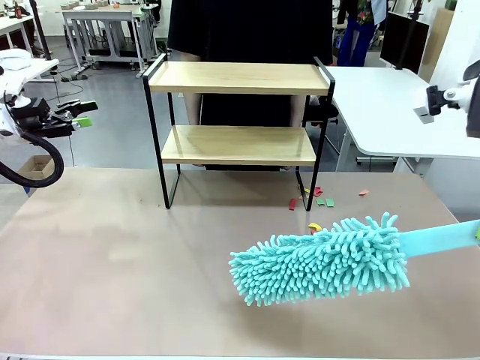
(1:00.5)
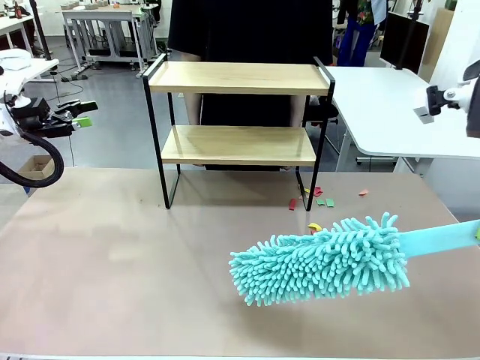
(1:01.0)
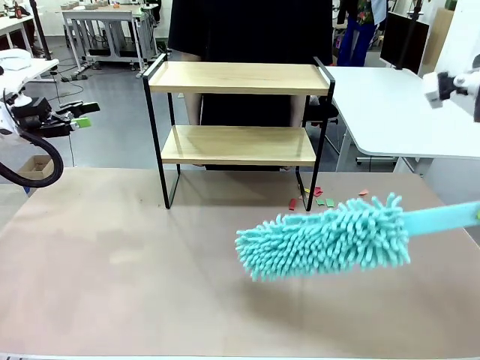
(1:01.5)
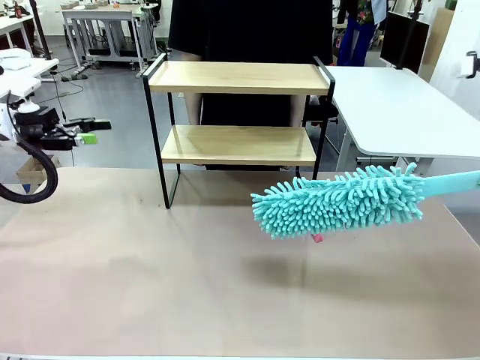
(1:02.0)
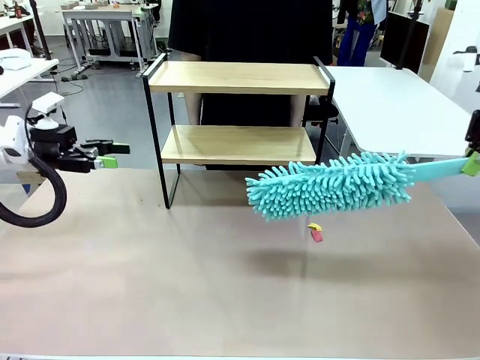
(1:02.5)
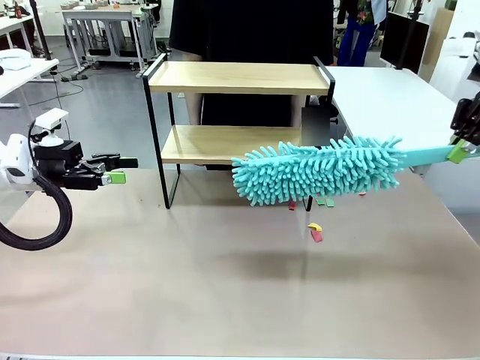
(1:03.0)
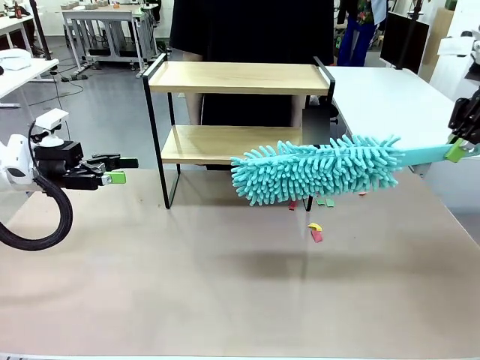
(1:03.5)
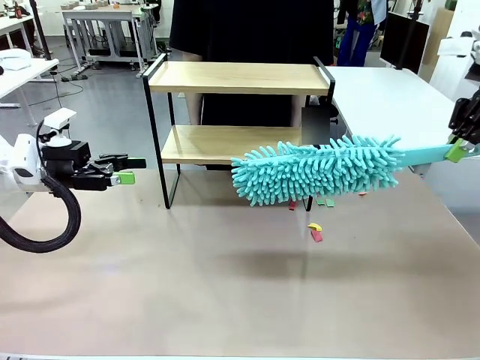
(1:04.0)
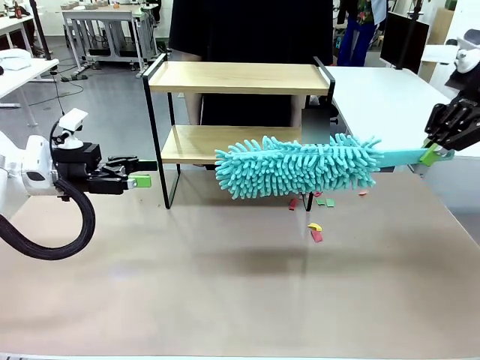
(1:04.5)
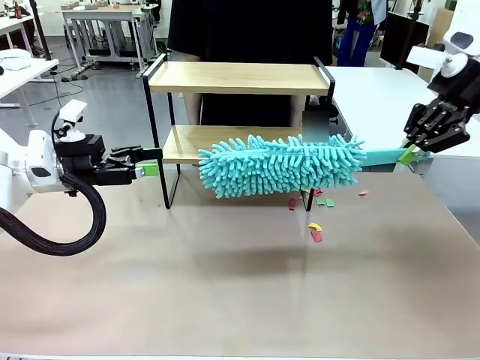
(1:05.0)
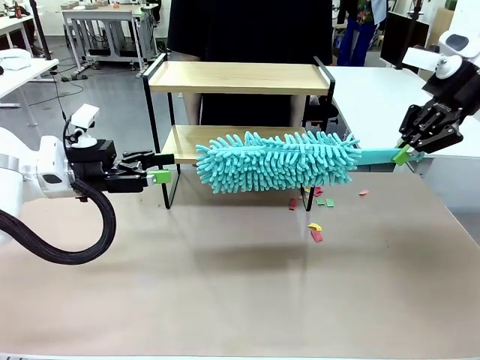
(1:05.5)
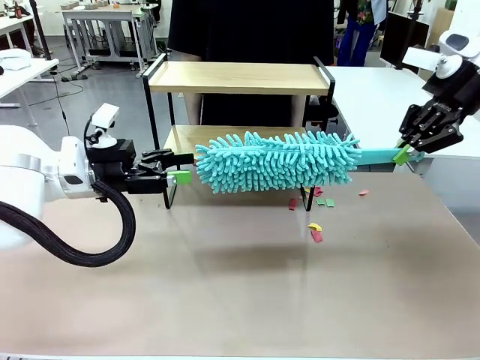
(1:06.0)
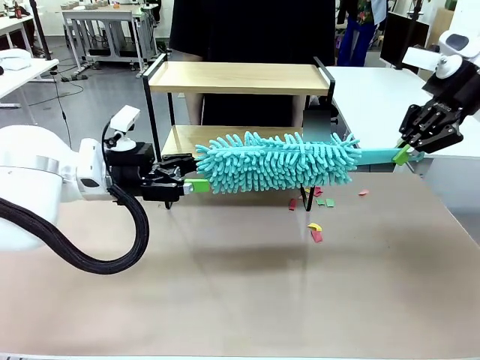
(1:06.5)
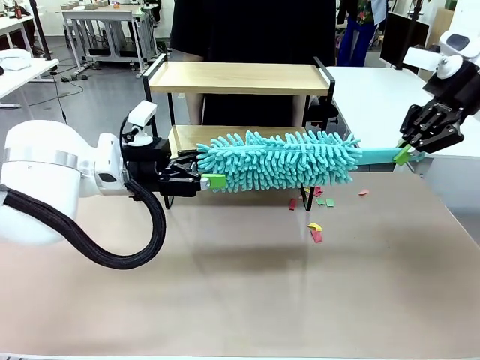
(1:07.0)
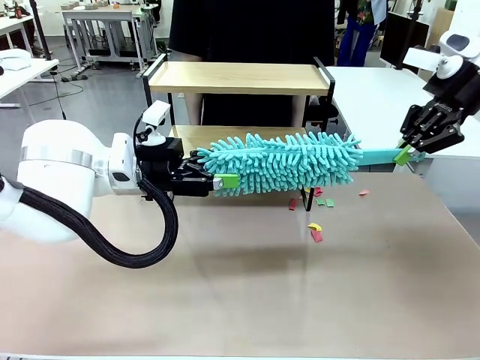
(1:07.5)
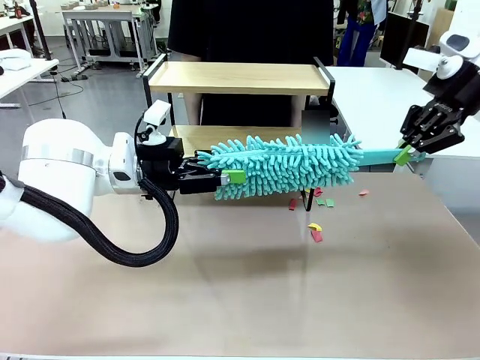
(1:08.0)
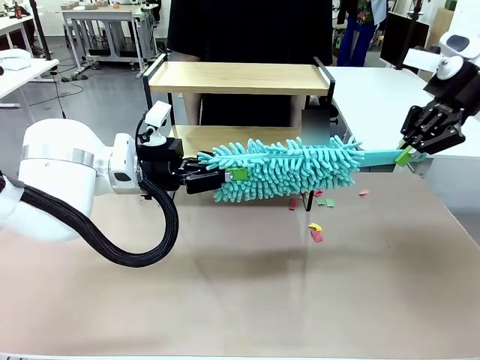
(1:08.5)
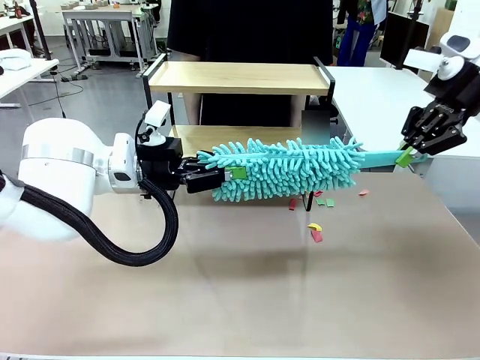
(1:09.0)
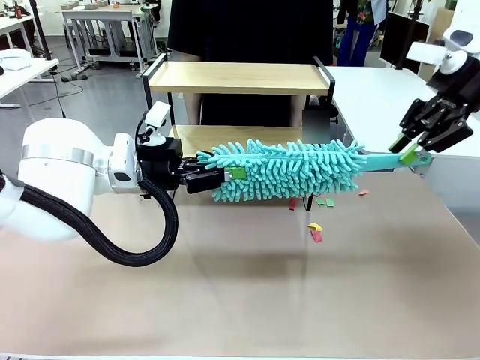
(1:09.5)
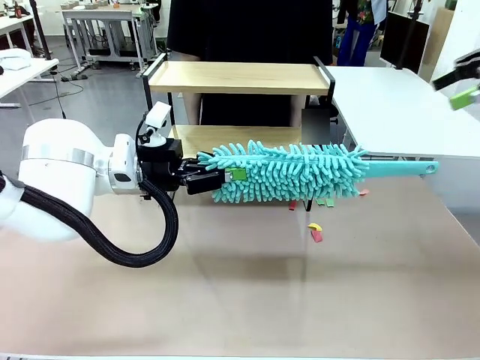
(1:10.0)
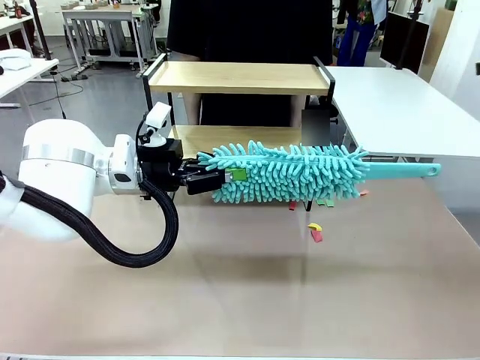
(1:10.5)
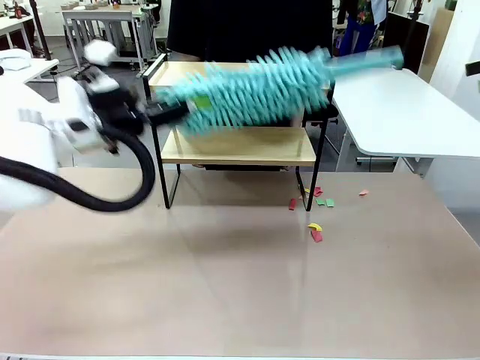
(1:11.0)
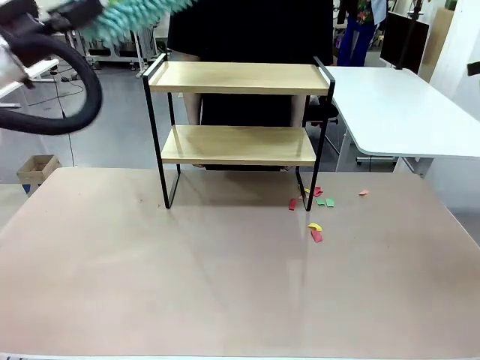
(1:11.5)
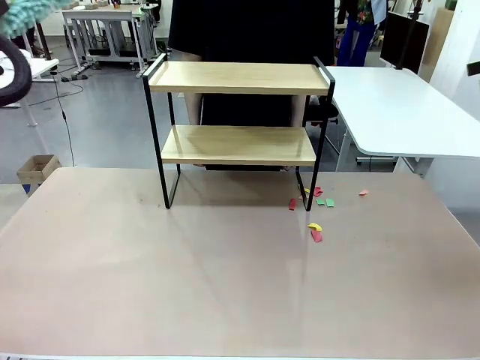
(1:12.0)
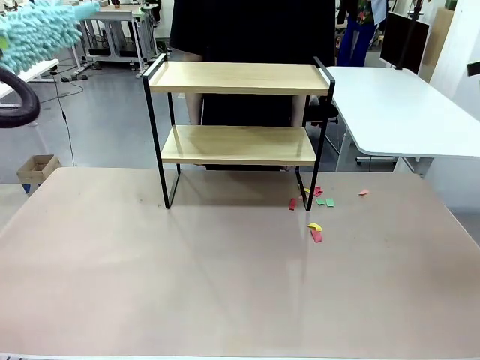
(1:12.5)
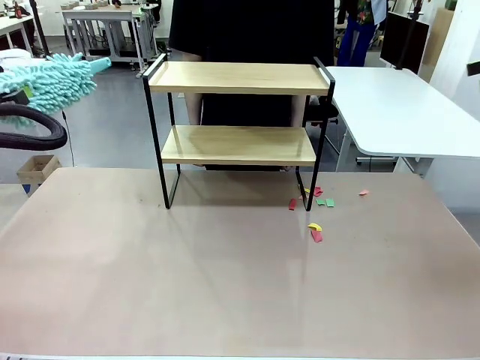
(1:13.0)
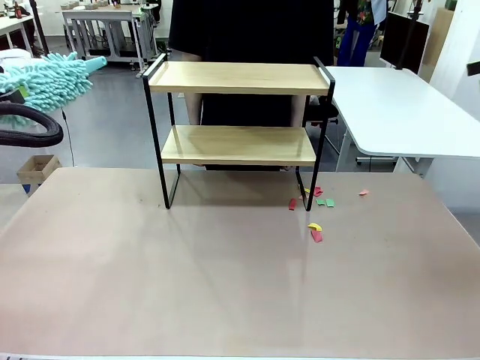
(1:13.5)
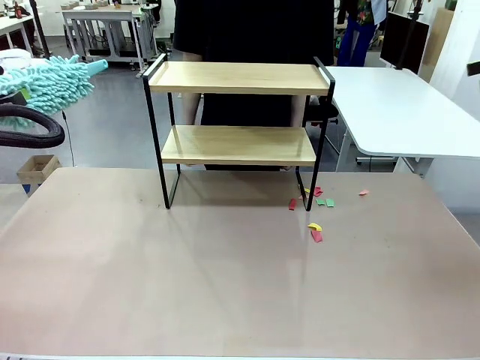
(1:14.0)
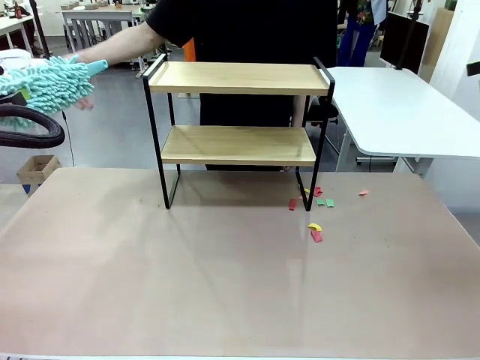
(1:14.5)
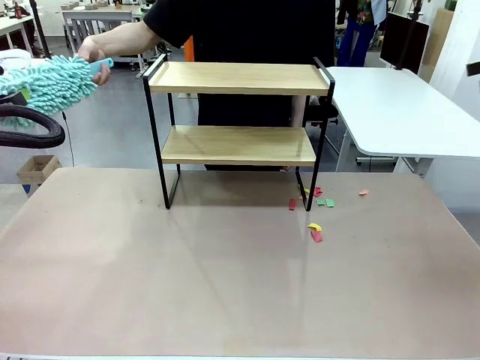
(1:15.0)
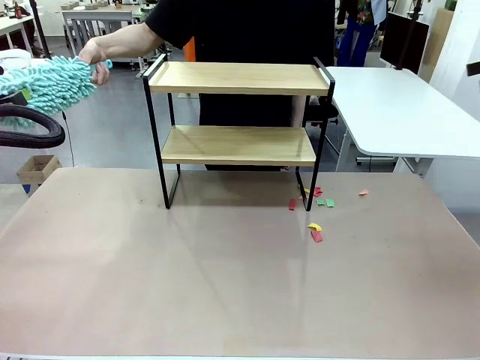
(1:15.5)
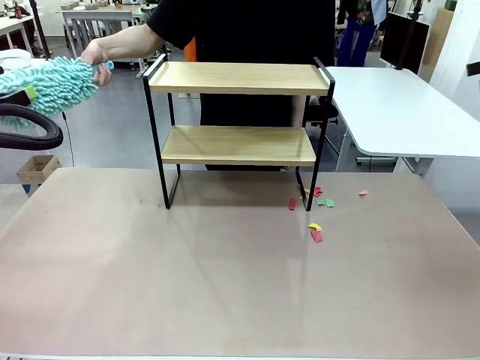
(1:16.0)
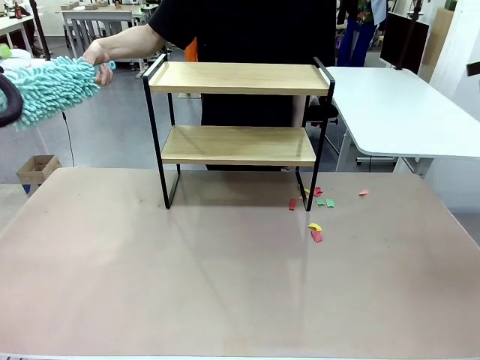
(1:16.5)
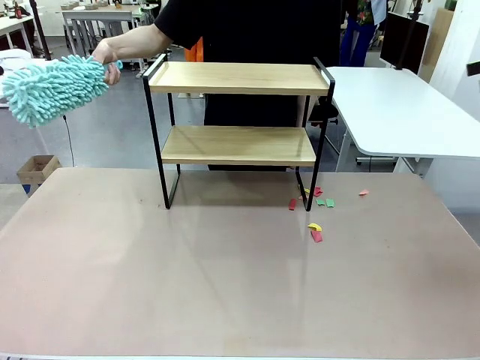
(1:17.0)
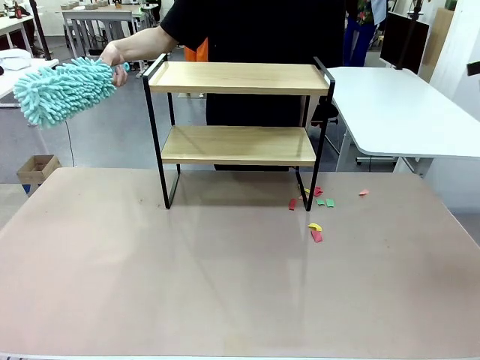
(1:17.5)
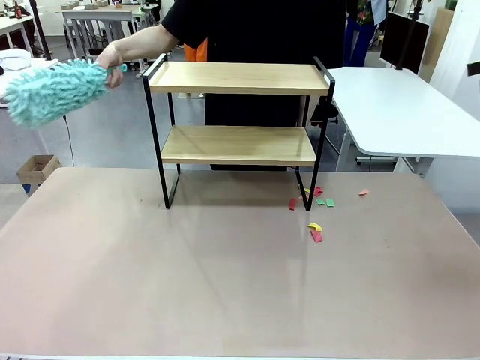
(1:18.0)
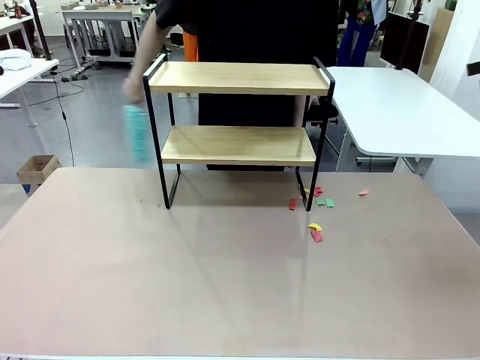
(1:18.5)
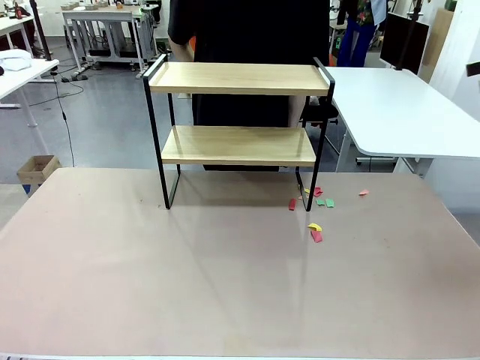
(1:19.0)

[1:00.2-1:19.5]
Task: Clean the shelf.
Robot: Hand the Duster back to the human.
Person: Receive the Duster from the robot.

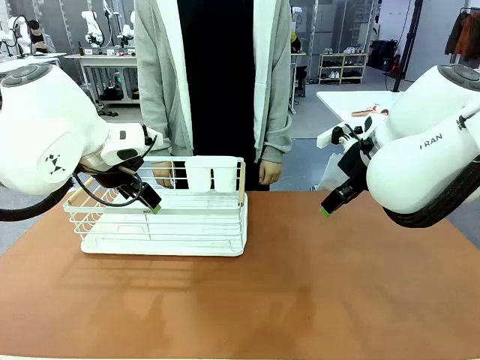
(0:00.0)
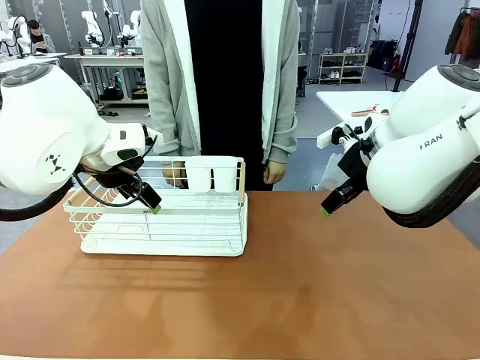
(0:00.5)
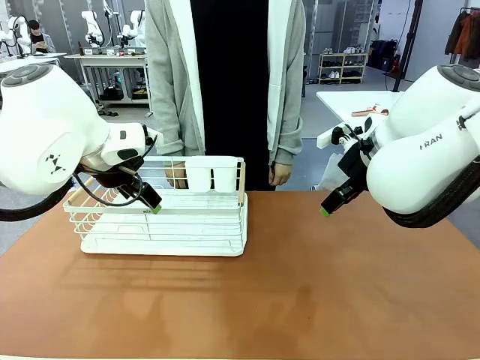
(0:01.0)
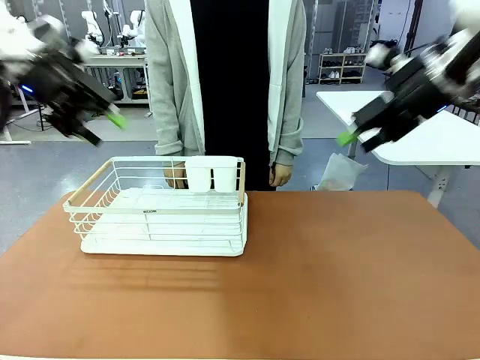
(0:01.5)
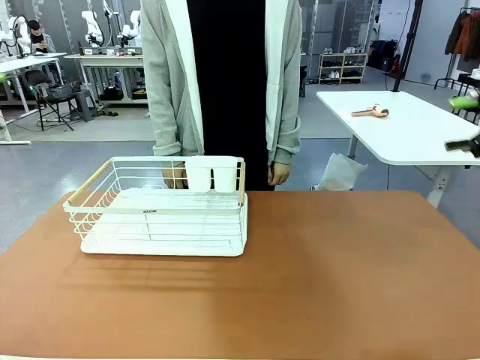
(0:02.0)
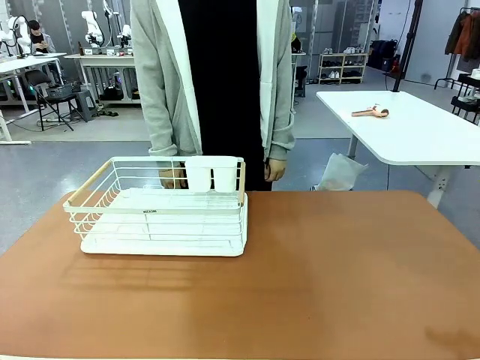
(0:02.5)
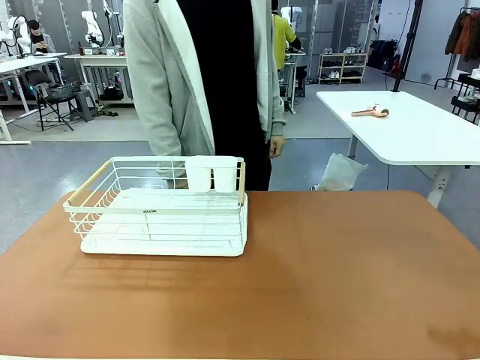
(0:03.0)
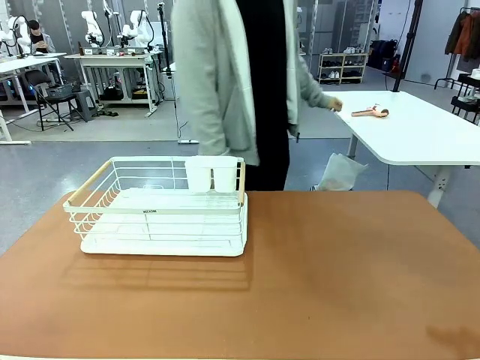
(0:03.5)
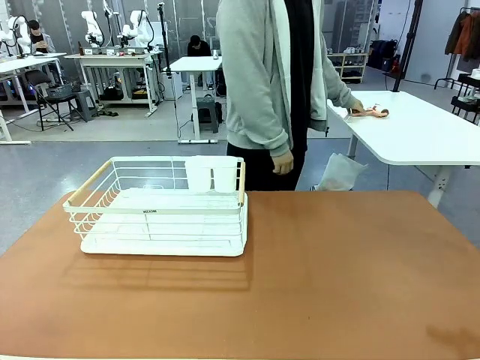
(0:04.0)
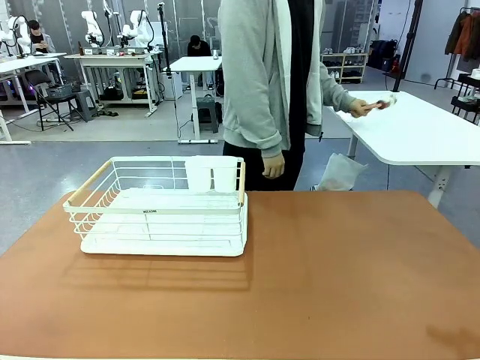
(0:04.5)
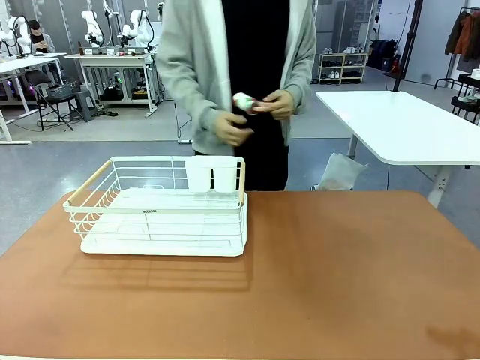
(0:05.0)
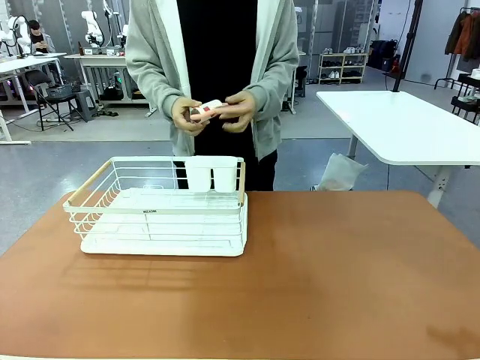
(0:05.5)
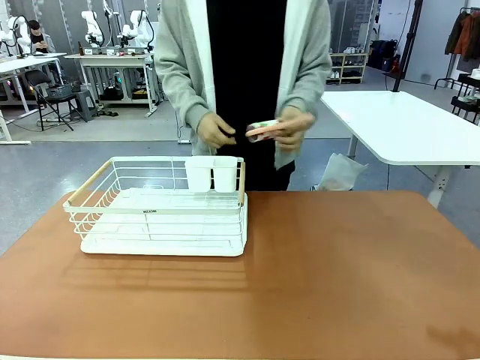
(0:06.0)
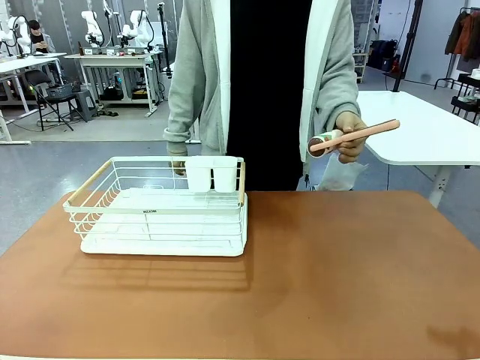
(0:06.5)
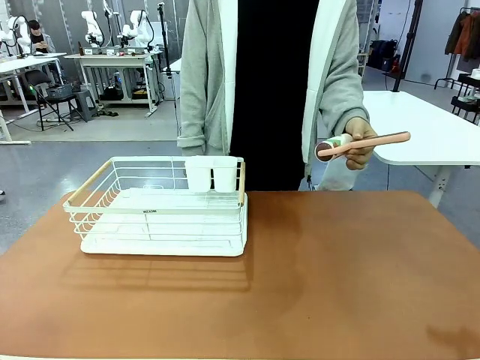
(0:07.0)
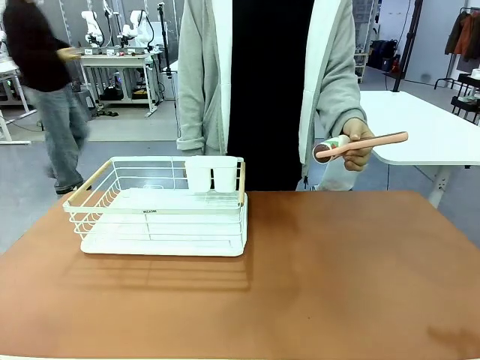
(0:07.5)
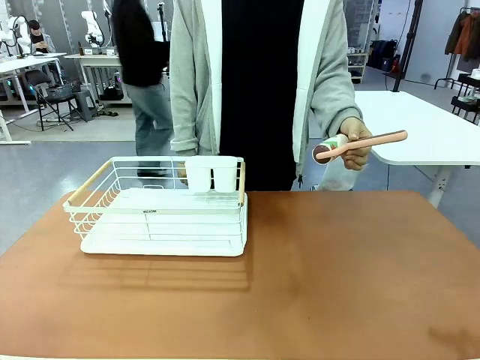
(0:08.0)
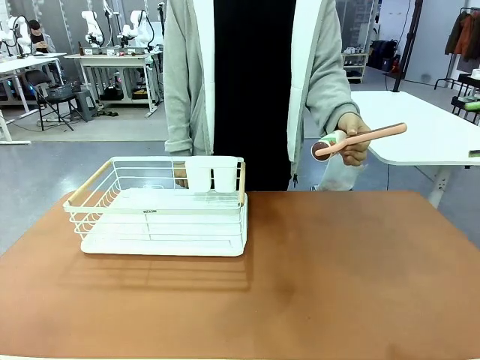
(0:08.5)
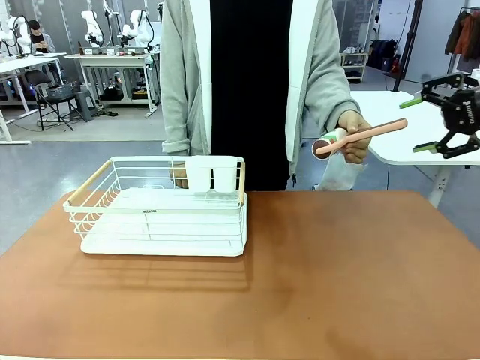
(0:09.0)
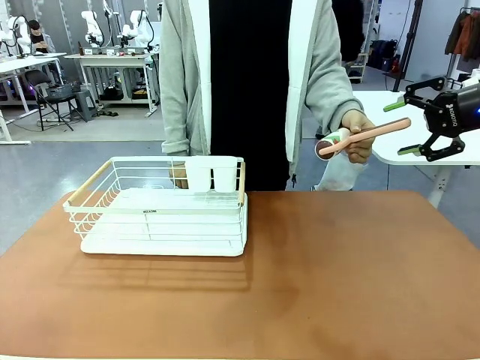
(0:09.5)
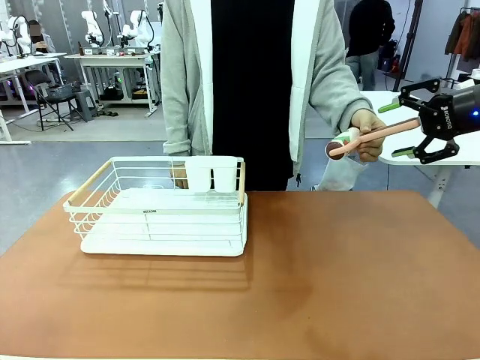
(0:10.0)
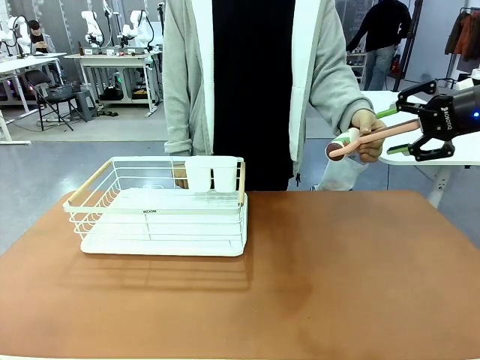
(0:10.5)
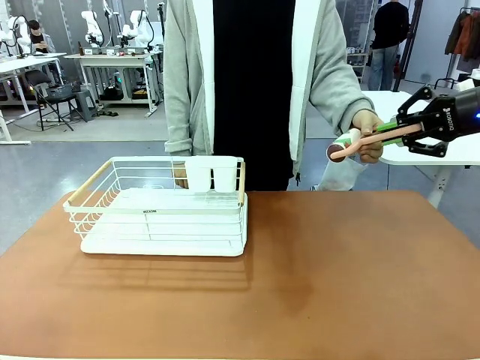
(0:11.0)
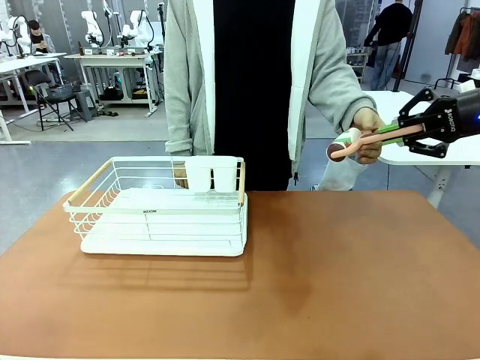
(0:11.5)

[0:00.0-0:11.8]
Task: Clean the table.
Robot: Pick up the Lint Roller when the human hands it over.
Person: Hand the Lint Roller to the robot so it can easily pick it up. Lift the Dish drying rack.
